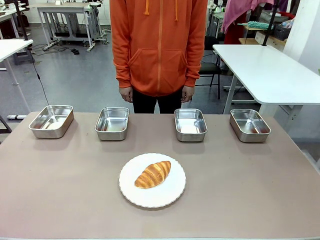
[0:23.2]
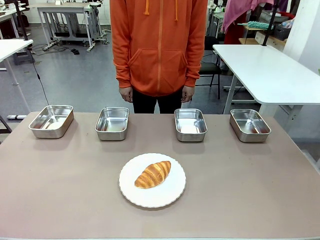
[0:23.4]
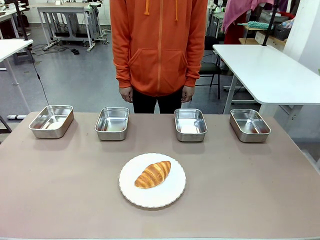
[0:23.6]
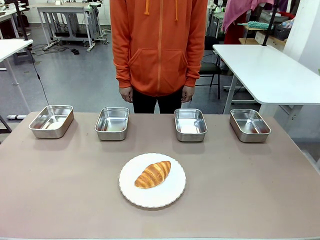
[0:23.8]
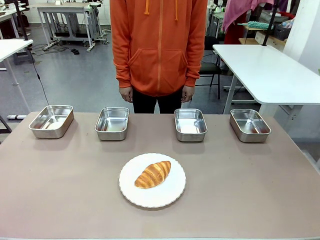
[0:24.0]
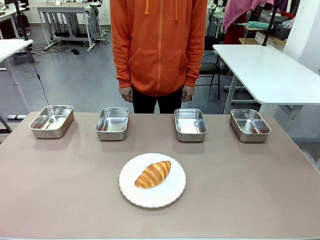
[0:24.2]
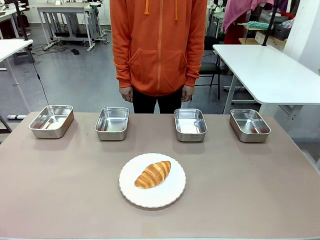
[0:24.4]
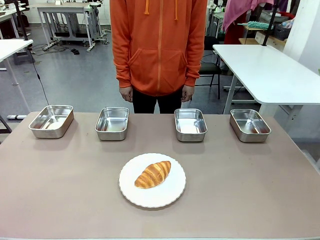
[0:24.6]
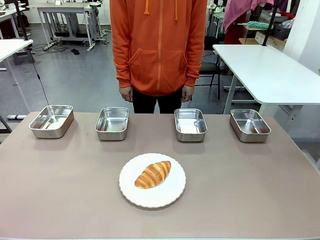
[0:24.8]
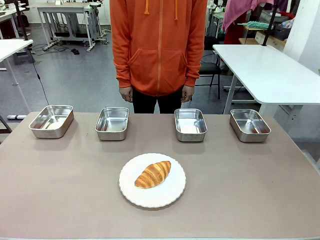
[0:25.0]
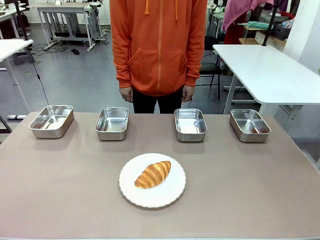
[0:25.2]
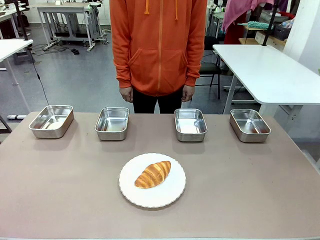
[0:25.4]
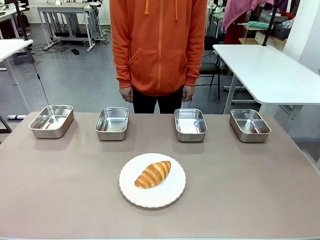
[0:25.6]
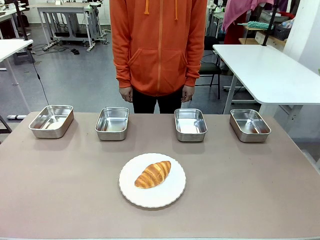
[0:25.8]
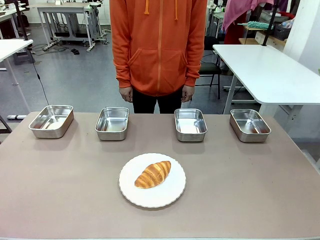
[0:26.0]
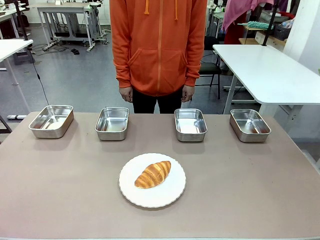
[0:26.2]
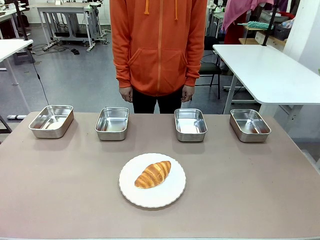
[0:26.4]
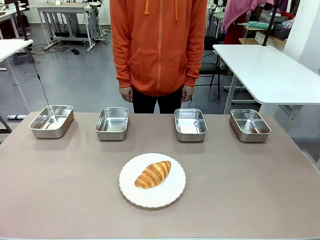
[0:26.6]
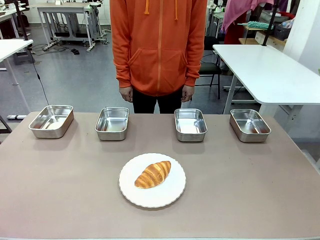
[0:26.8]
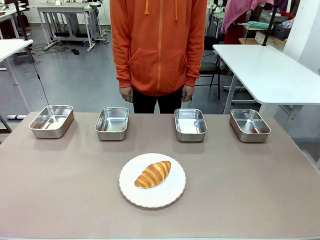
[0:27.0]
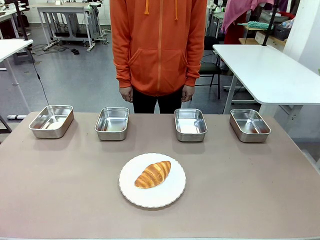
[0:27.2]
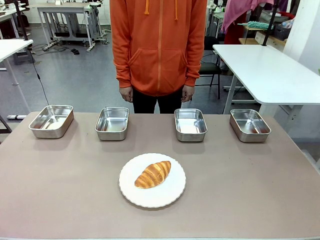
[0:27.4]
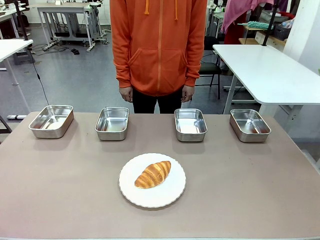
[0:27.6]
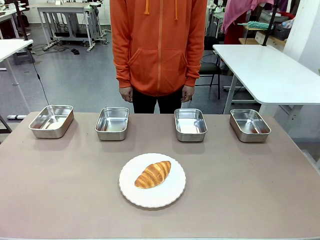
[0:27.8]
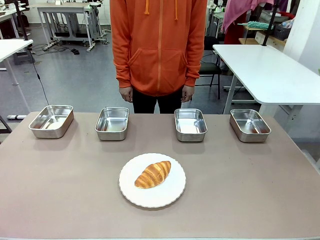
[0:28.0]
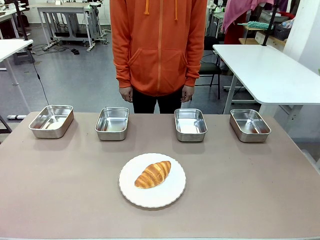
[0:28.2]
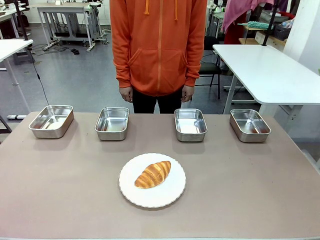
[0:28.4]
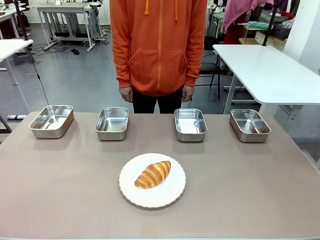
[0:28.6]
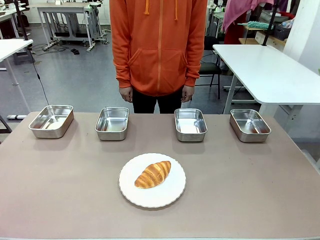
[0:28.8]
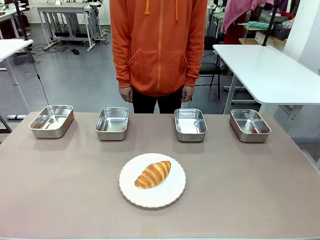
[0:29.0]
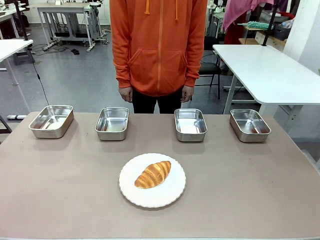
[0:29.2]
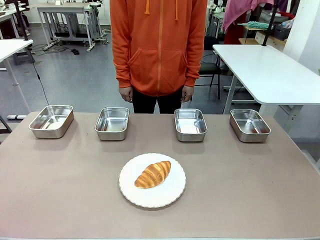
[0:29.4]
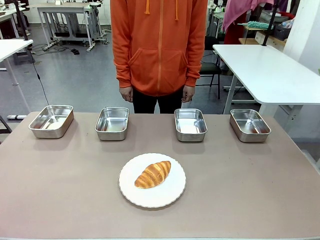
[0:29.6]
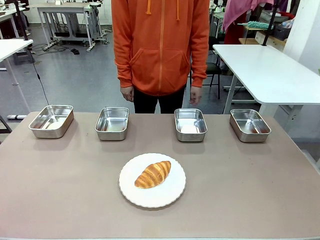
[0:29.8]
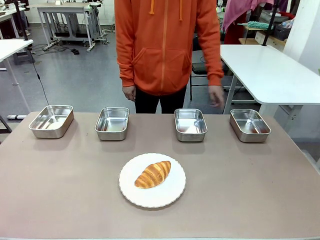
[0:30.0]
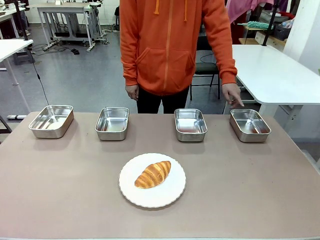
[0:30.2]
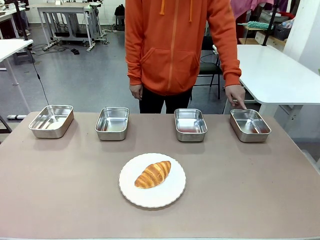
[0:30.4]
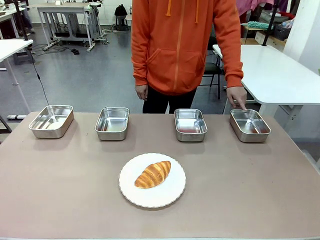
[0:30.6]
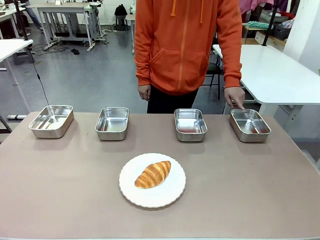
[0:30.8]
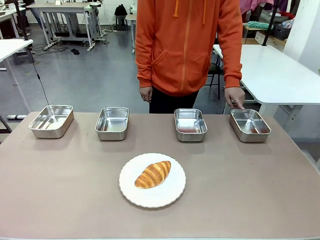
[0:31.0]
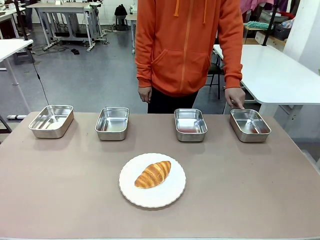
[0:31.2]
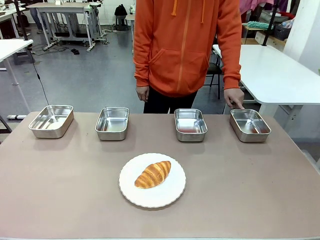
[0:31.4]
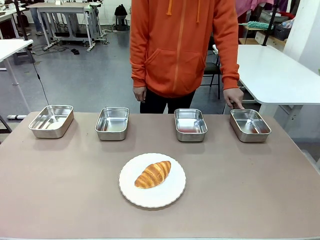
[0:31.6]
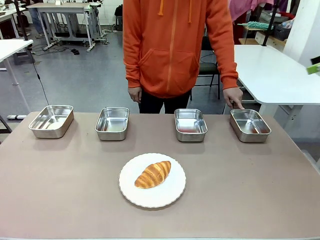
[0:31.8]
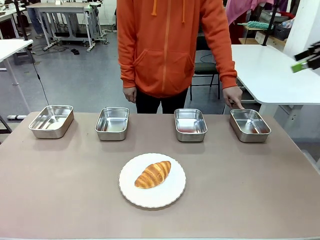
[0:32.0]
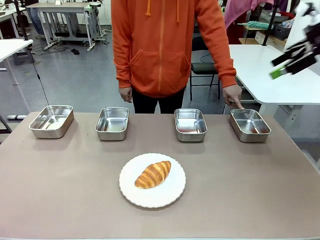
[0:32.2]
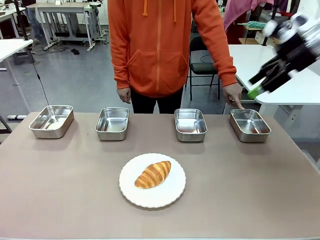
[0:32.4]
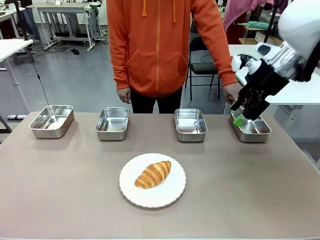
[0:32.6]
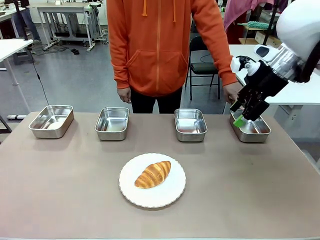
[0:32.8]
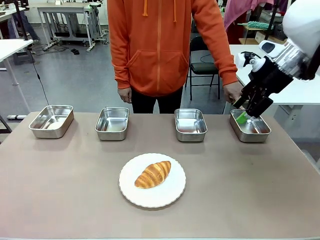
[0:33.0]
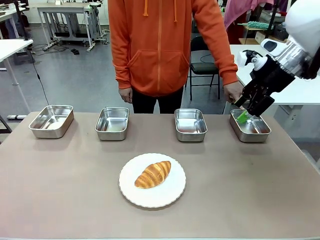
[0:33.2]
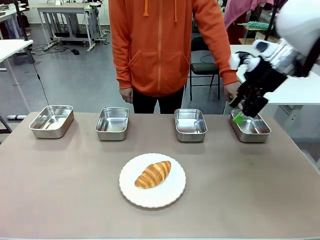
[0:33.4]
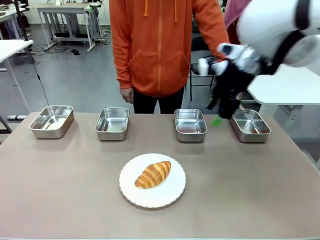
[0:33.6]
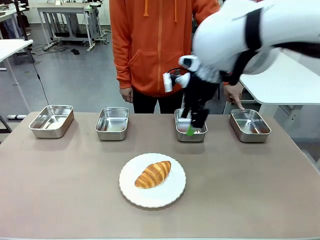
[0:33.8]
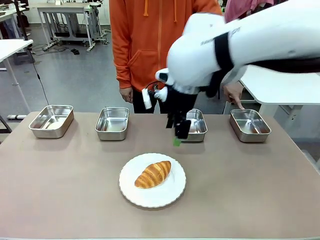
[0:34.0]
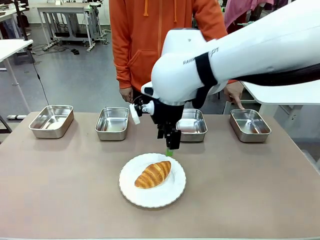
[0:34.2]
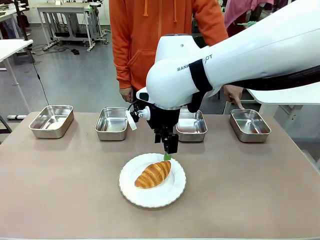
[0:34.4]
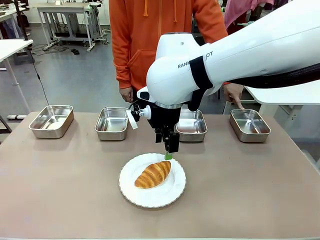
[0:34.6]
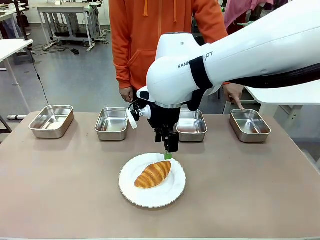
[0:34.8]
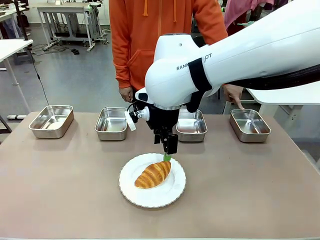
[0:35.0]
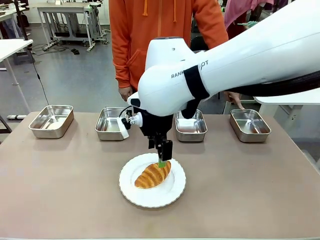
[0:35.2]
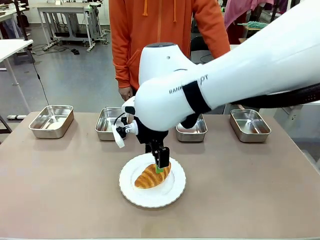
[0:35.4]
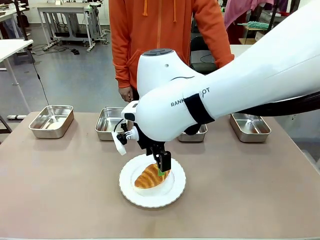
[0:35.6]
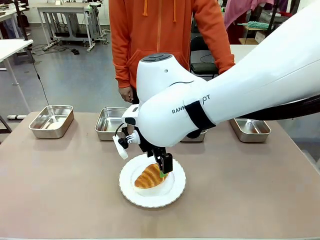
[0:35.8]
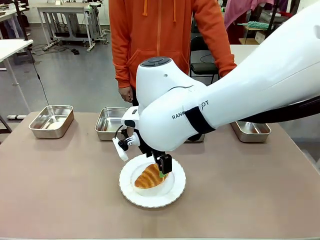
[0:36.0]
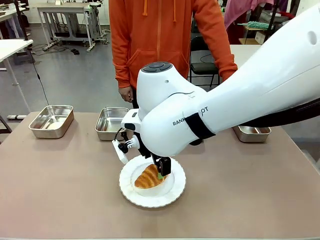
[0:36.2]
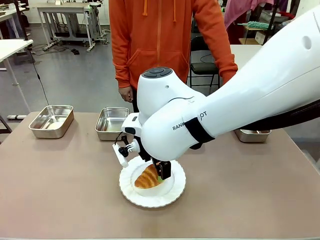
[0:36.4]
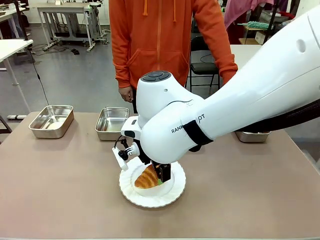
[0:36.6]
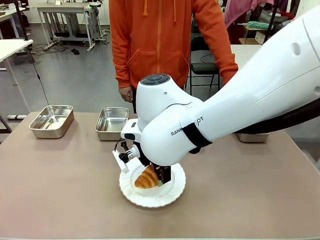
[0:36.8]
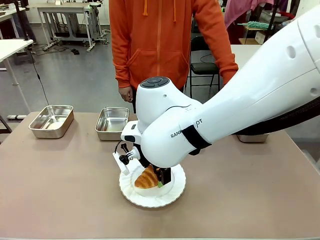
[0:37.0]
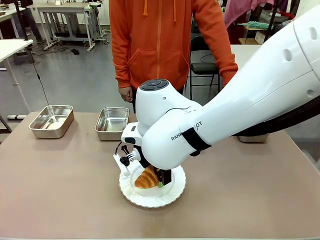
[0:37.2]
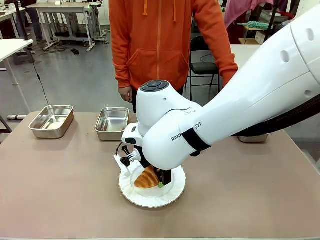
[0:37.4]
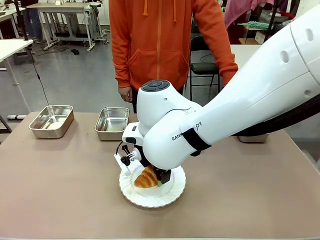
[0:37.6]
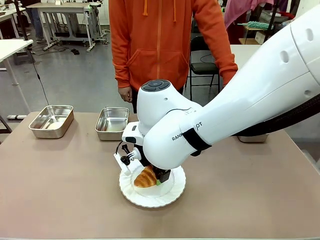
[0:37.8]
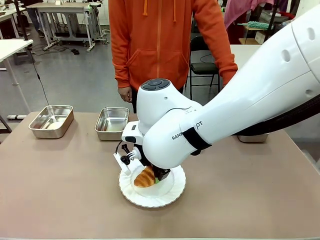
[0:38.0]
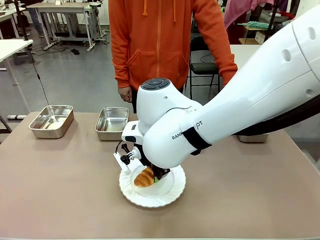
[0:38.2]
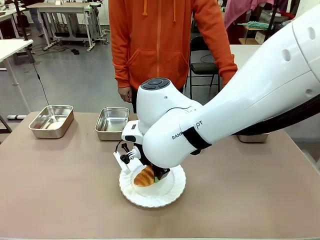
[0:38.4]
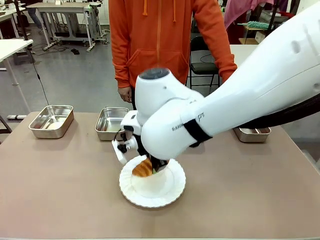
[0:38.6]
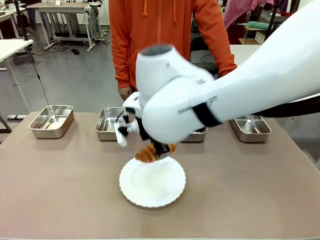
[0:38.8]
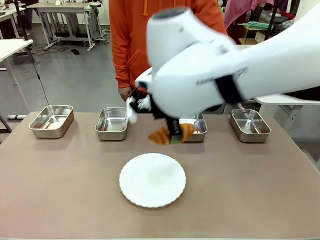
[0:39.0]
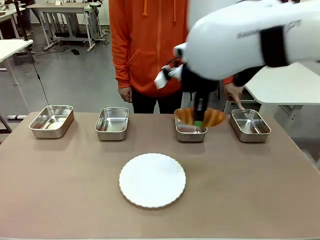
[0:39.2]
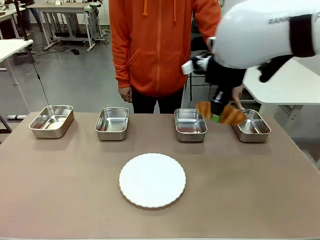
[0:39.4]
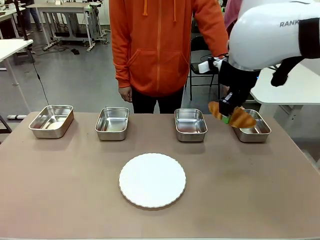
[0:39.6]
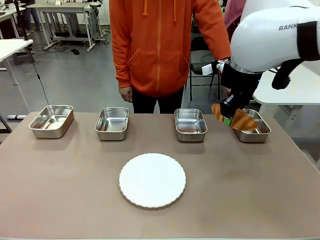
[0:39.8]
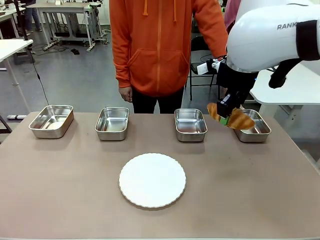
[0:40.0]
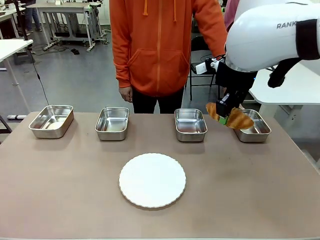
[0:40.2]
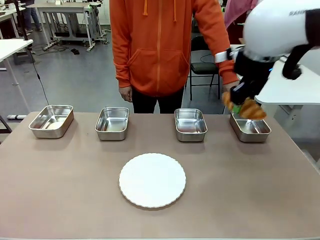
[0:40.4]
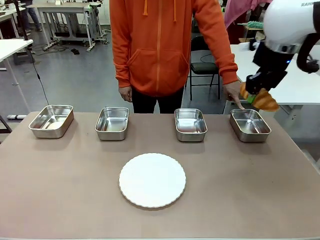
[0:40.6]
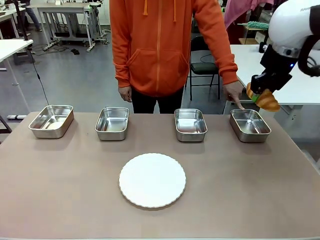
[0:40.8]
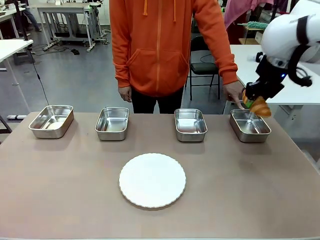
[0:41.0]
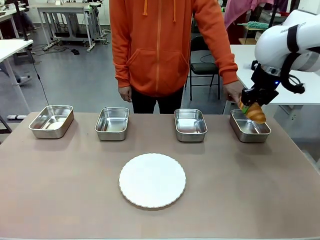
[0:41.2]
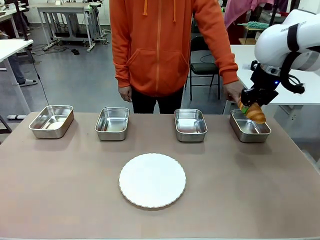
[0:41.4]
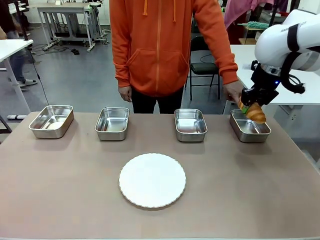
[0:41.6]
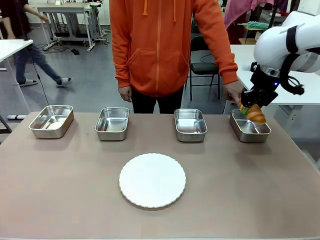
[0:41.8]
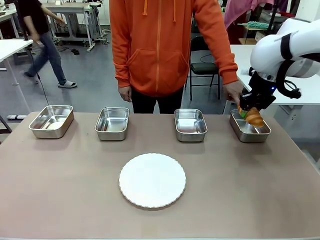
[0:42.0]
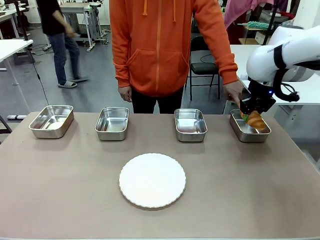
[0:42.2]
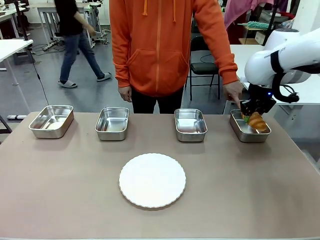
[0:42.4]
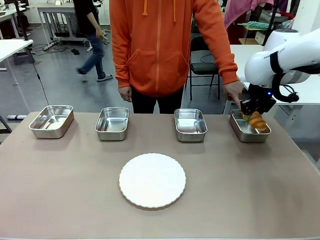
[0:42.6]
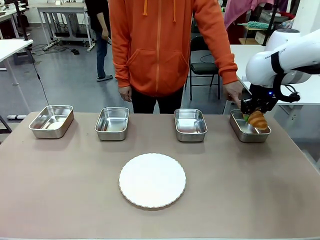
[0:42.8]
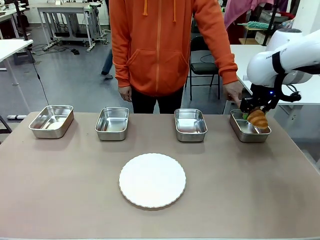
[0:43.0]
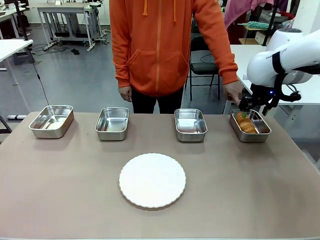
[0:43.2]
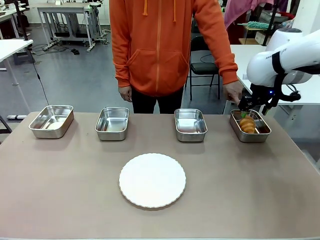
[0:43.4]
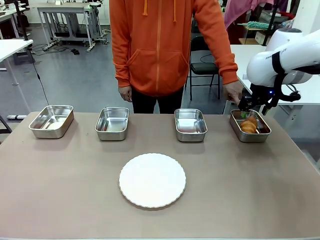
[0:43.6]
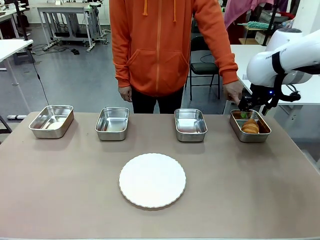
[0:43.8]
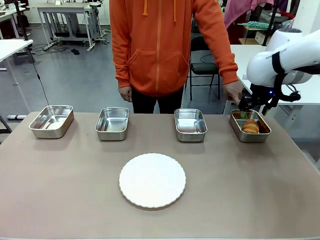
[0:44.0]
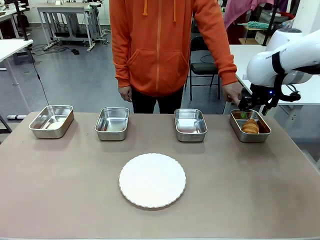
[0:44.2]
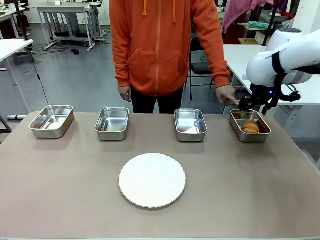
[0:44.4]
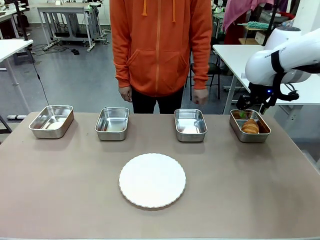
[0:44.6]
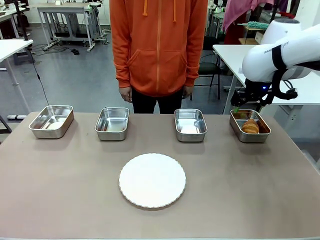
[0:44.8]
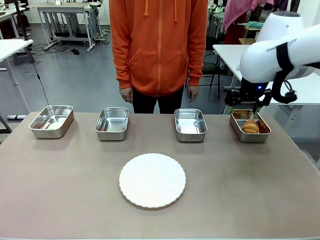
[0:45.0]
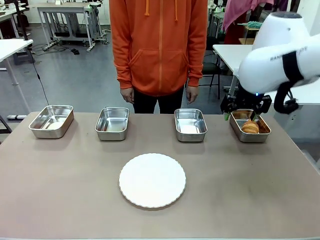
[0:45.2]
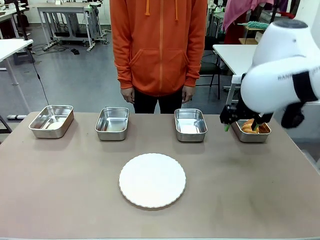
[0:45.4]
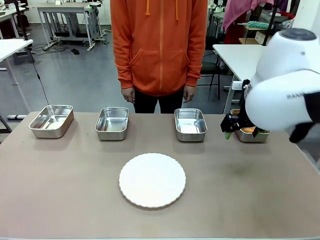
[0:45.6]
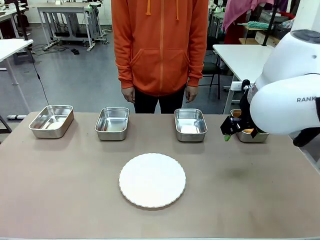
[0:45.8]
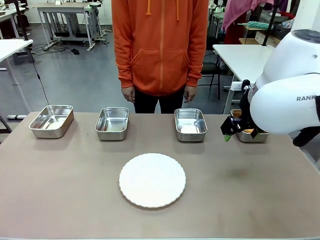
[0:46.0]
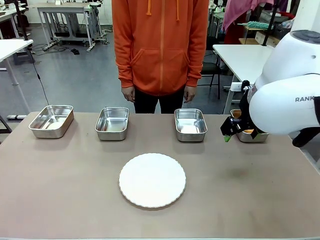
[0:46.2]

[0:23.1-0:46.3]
Task: Place the bread in the container.
Robot: Place the Butter Roll into the Airtight Container indicated by the human.
Person: A person randomly selects and points to an Airtight Container.
